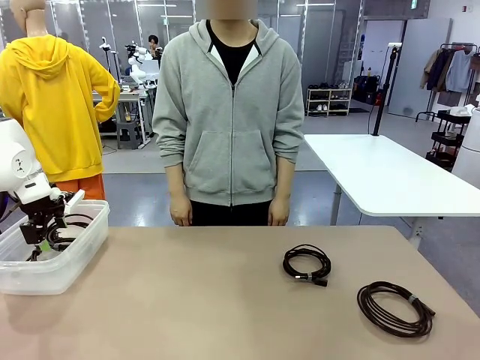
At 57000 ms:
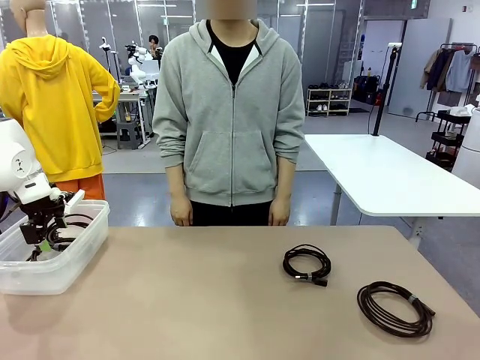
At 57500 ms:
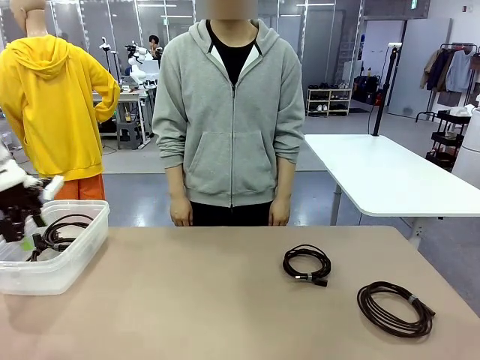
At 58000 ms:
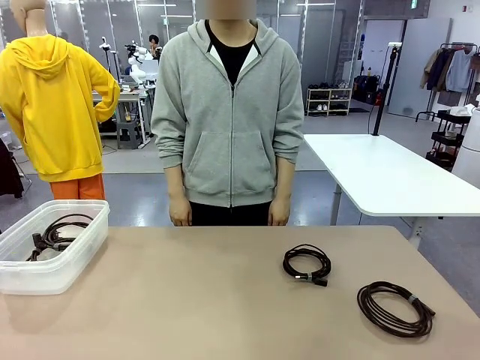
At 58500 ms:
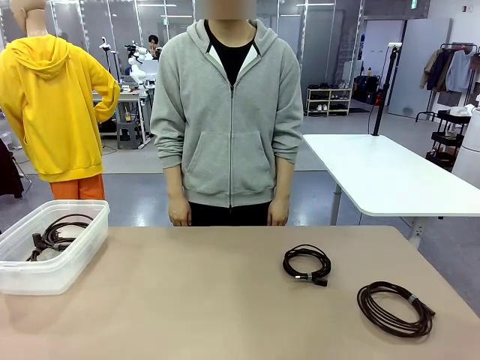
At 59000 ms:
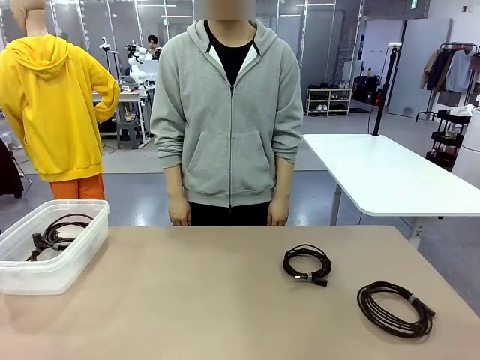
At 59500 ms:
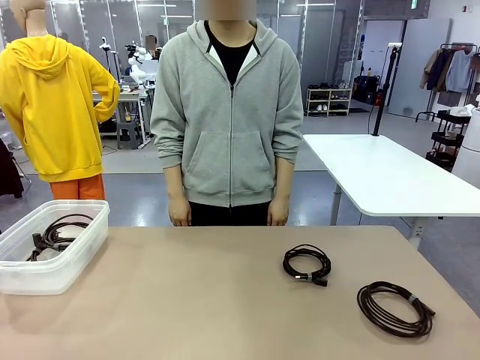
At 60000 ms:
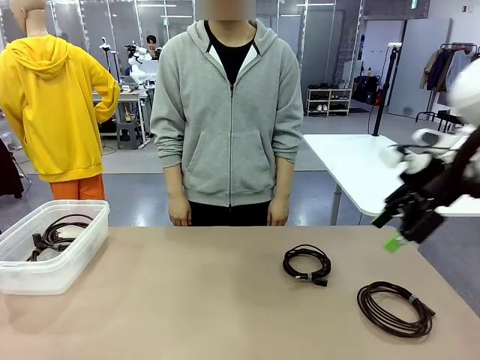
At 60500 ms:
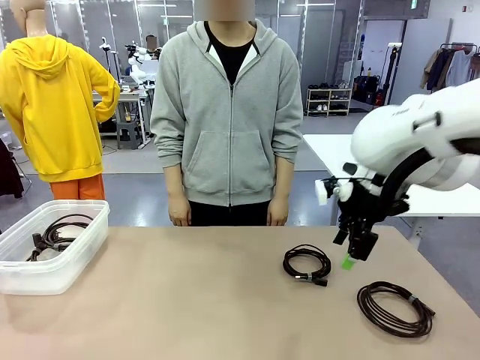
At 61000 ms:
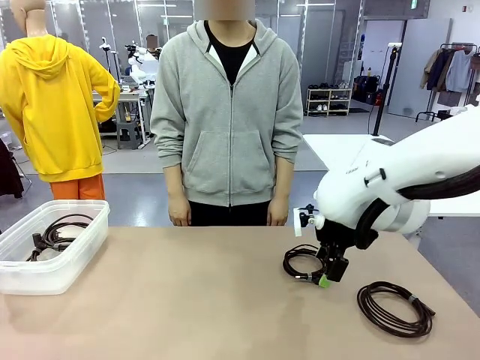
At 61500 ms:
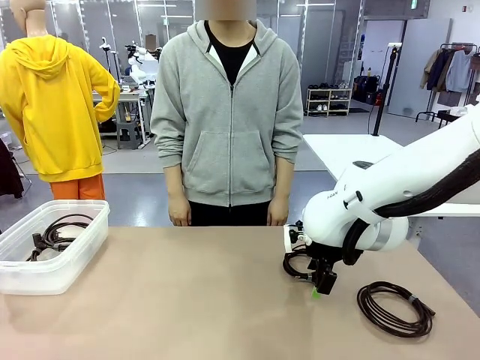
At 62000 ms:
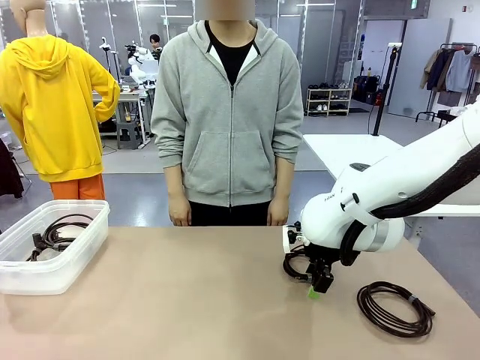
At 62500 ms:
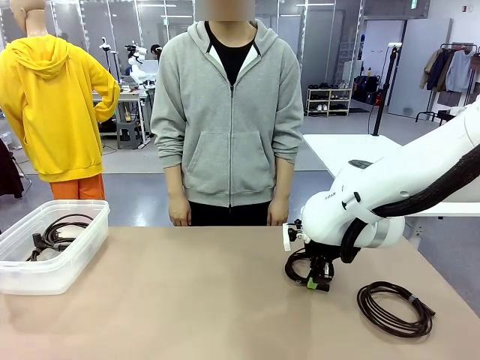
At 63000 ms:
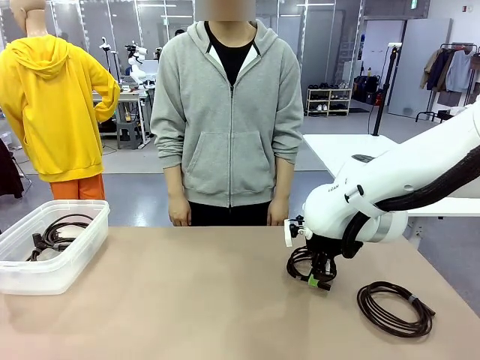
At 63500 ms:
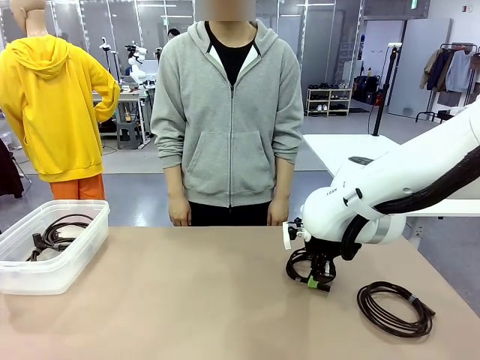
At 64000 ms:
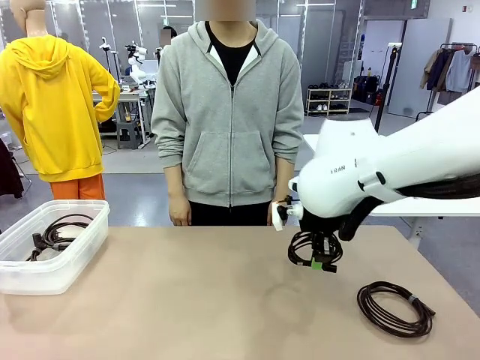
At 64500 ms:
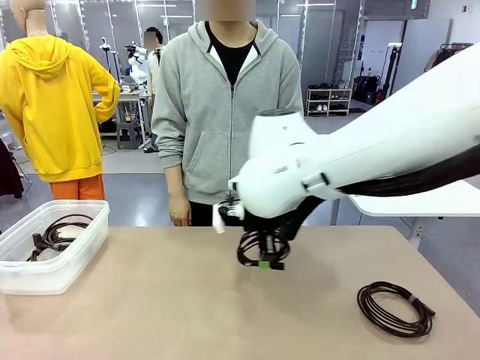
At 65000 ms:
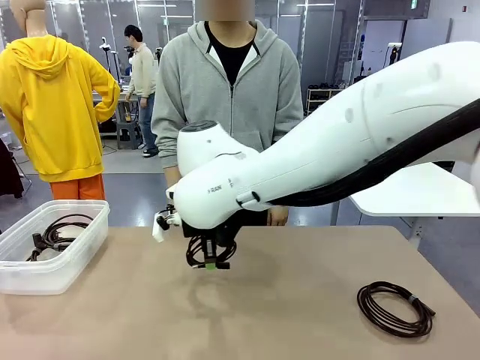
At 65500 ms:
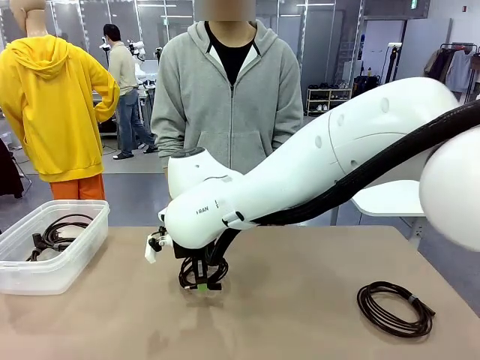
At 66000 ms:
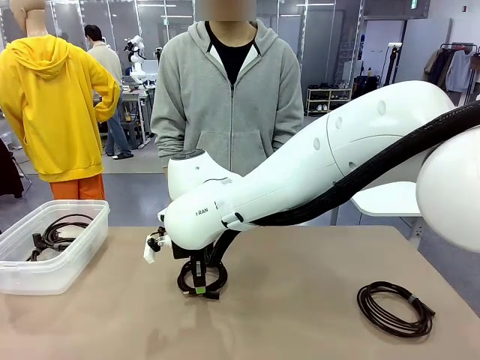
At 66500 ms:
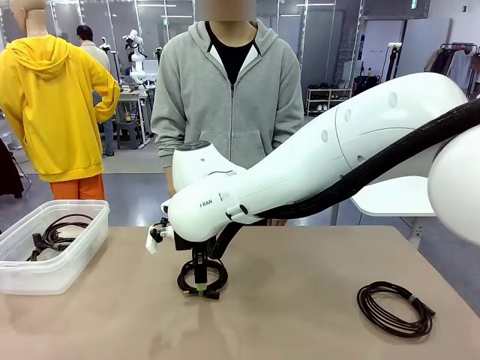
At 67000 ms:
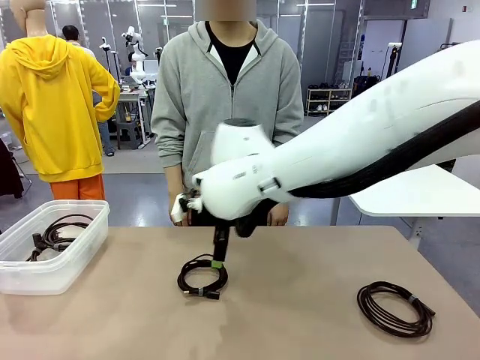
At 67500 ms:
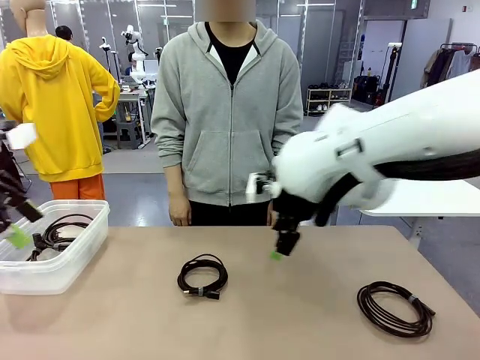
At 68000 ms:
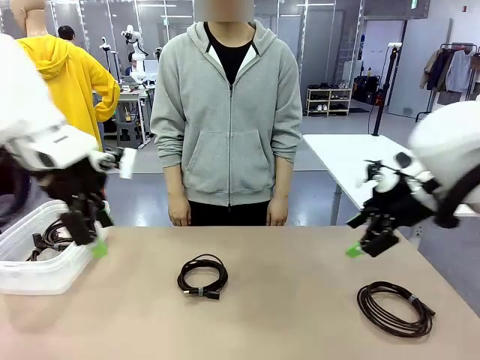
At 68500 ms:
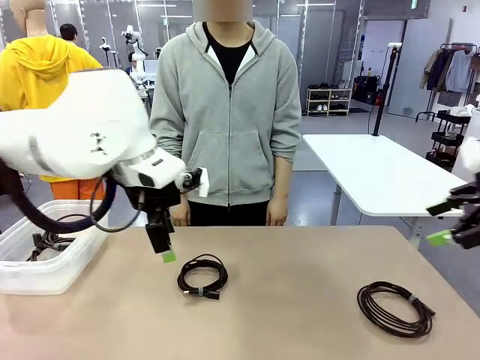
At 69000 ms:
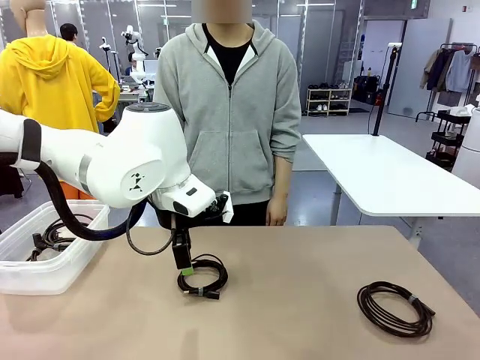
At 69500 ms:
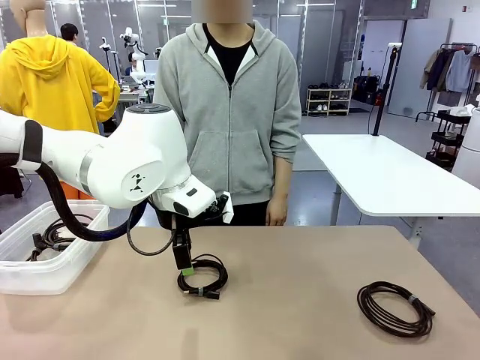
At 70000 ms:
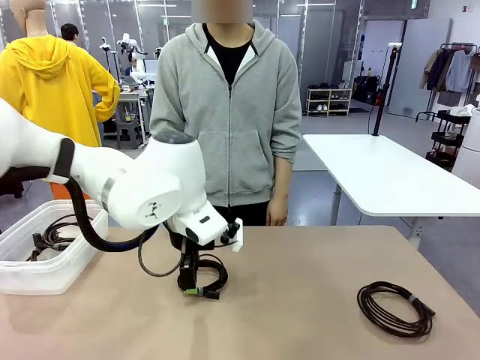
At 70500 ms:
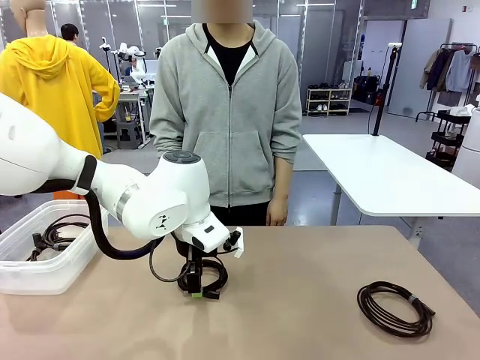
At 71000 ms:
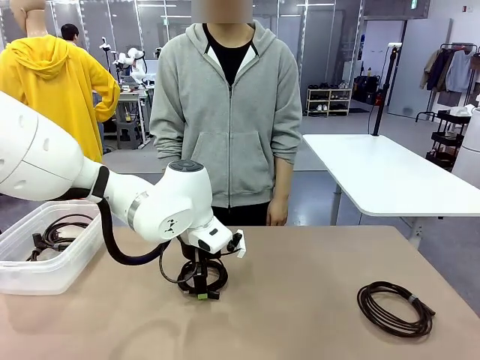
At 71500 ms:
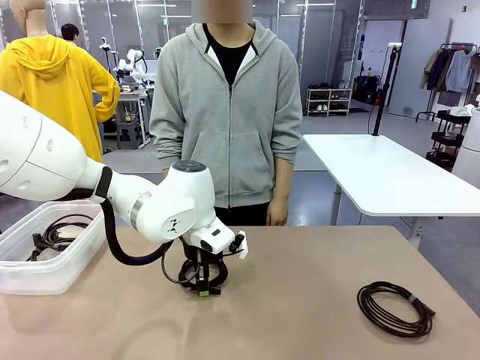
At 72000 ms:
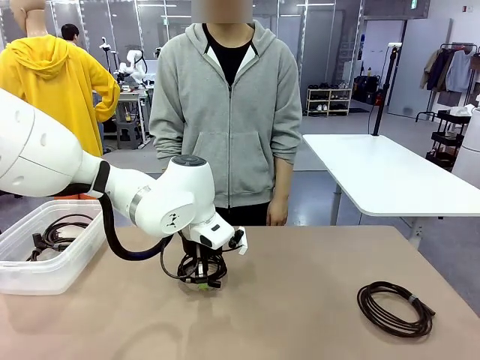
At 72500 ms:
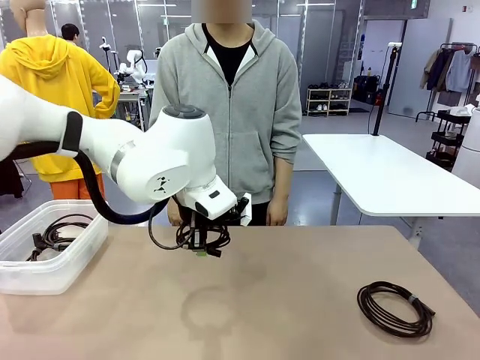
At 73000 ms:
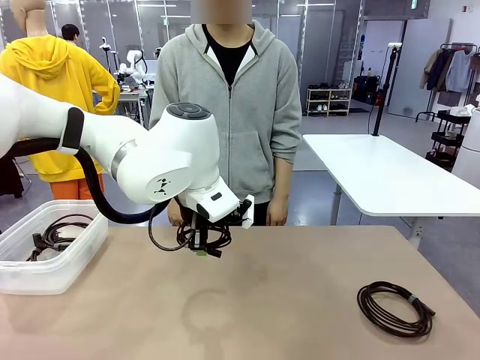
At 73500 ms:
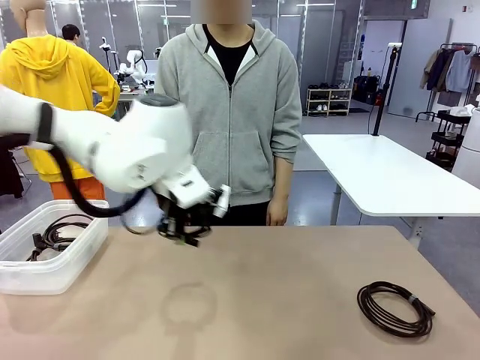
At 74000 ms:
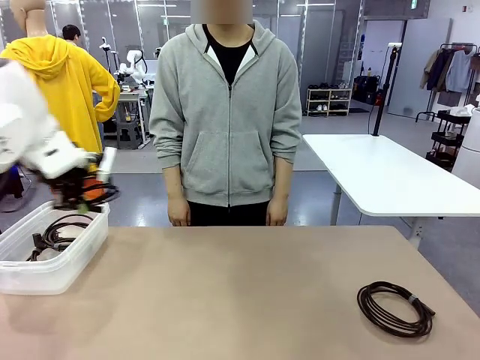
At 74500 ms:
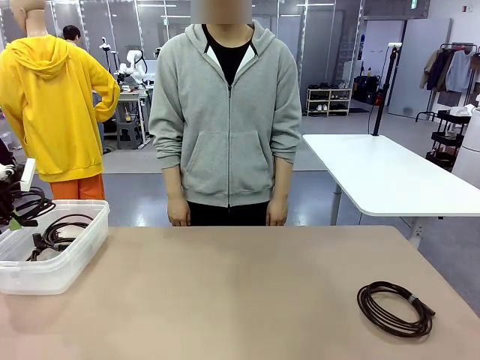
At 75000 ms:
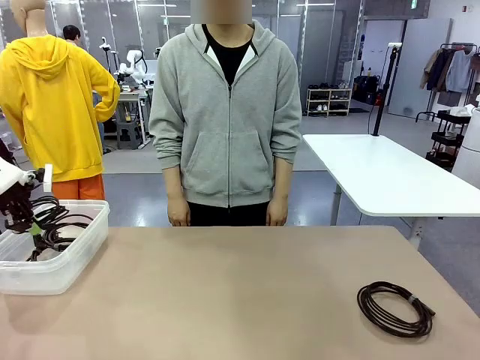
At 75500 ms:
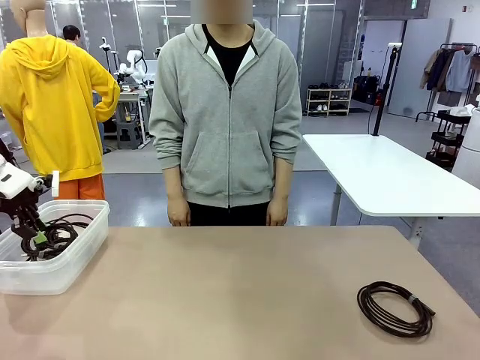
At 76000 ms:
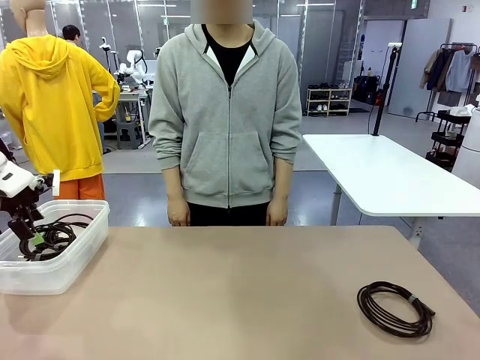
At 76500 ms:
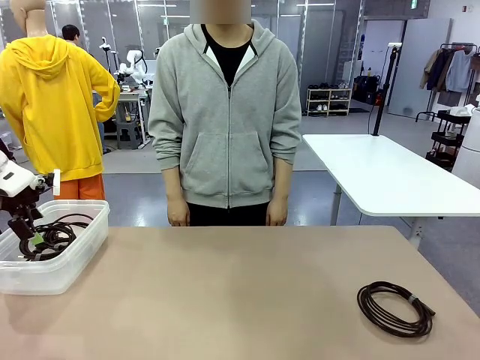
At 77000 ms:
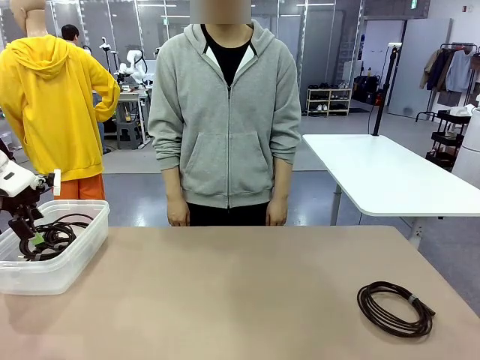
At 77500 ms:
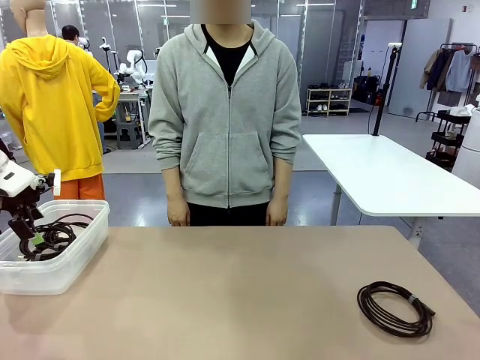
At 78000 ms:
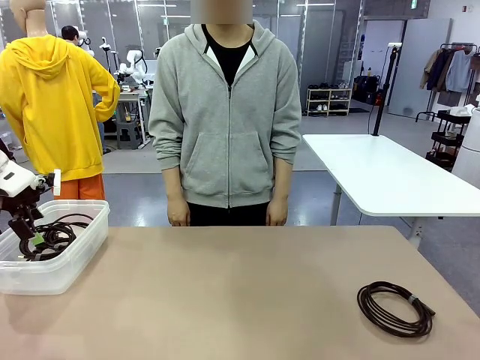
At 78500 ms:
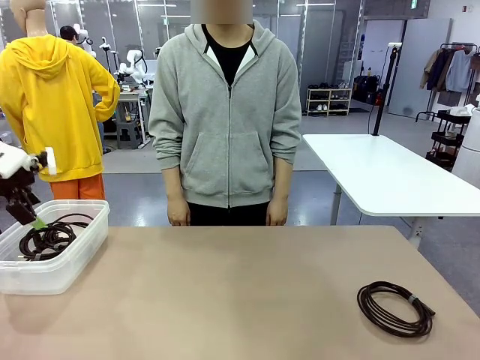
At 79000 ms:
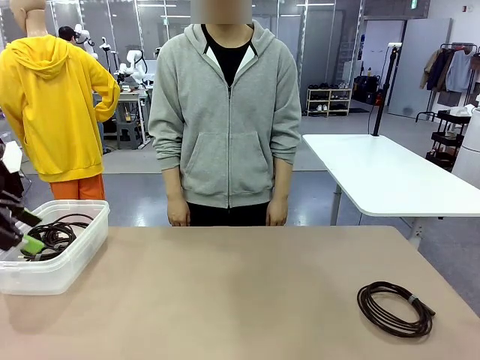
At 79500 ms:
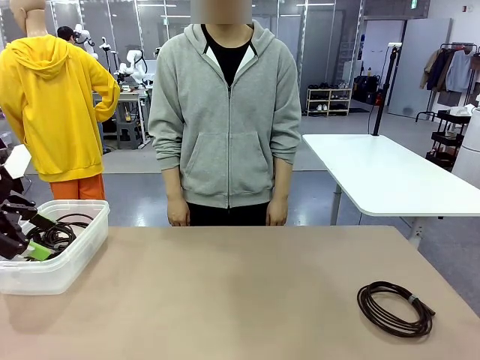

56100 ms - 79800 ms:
Task: Organize and store the cables.
Robot: Place the USB Extension Cable into the Organizing box.

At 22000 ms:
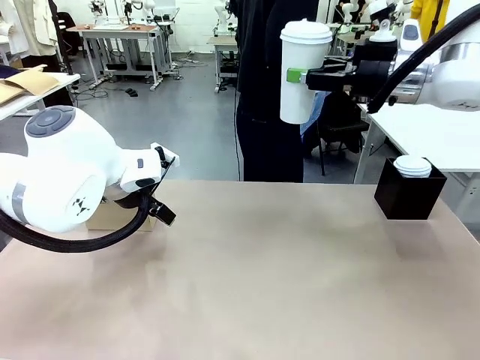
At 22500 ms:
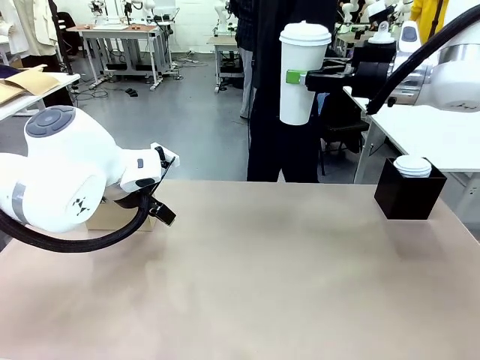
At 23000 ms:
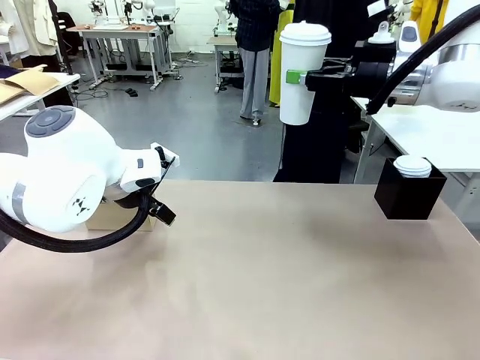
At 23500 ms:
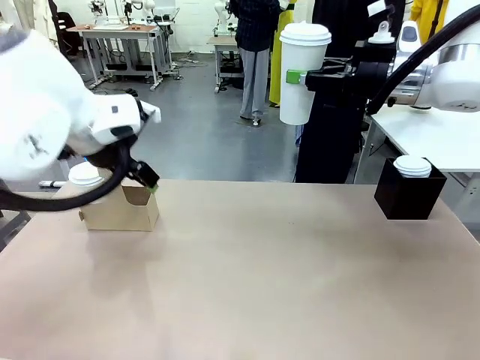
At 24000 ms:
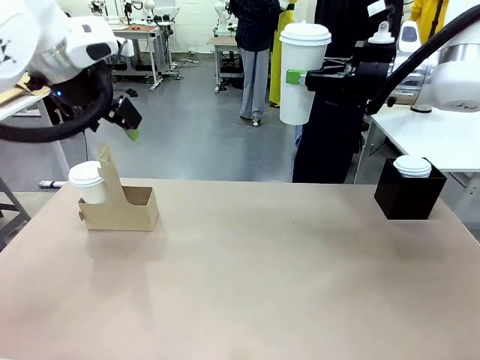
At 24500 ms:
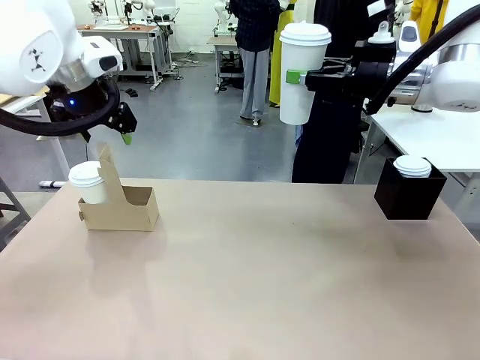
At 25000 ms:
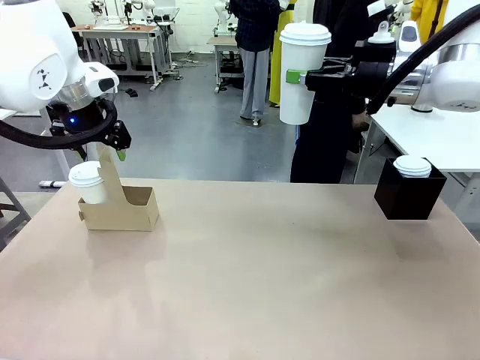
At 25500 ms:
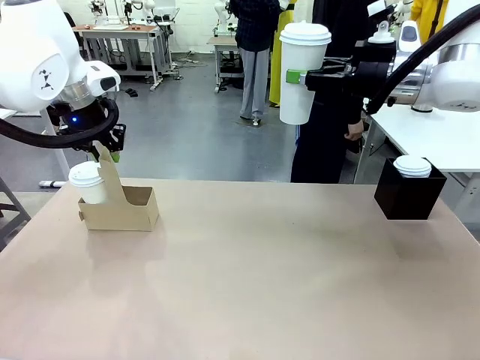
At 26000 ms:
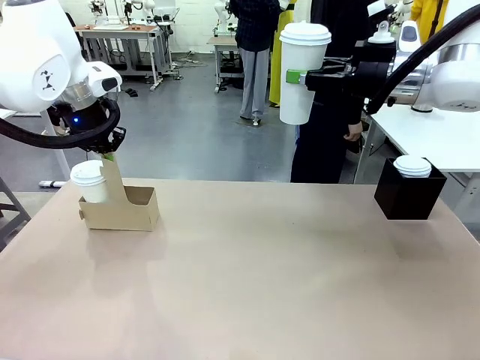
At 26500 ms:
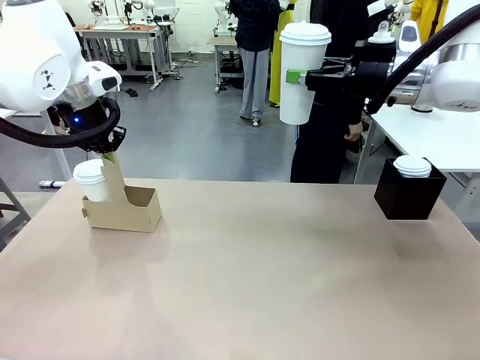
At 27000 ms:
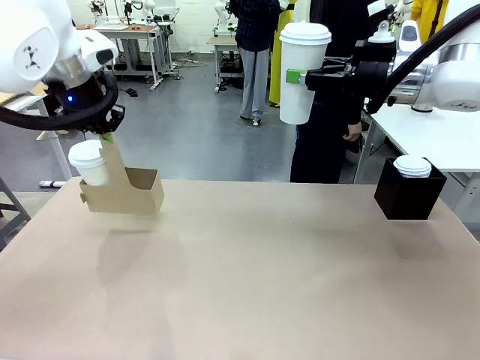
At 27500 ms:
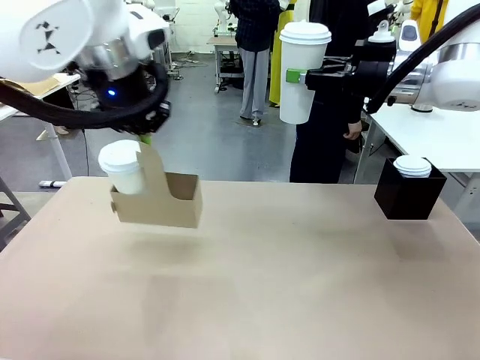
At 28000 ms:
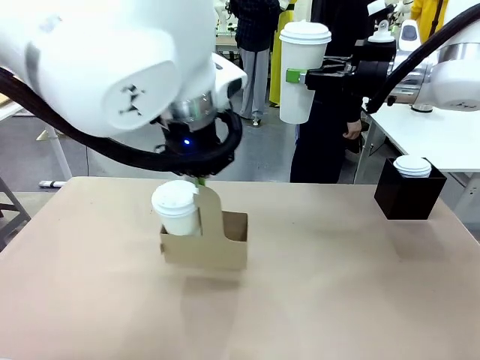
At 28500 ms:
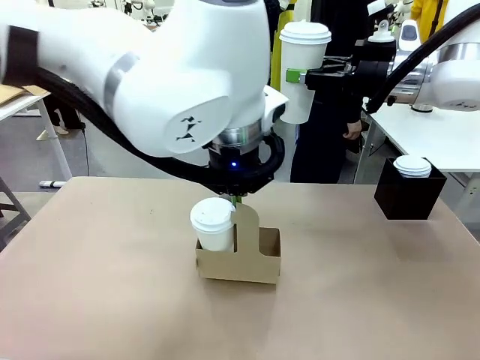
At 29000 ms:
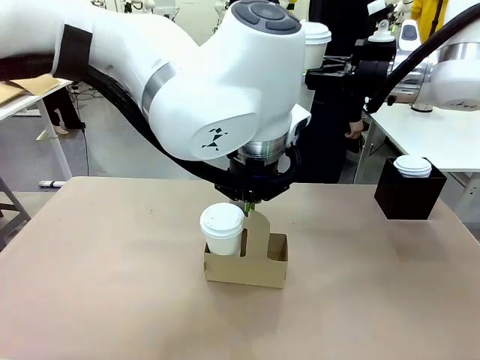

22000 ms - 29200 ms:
Task: Pour a drink into a cup and package it in a carrier.
Robot: Position the Cup Carrier in the center of the table.
